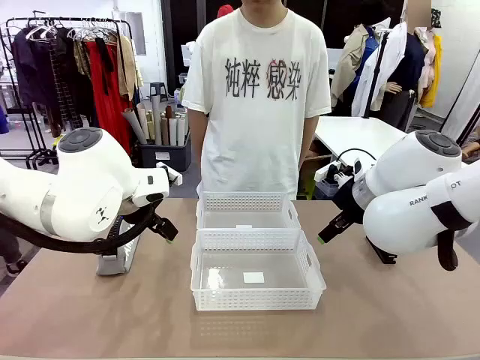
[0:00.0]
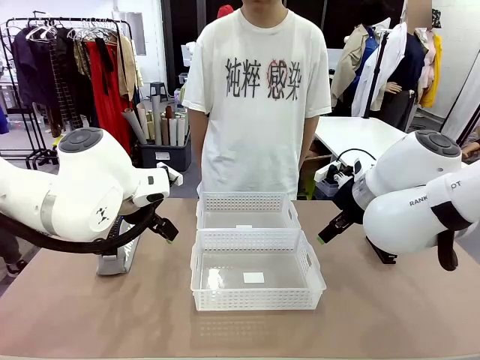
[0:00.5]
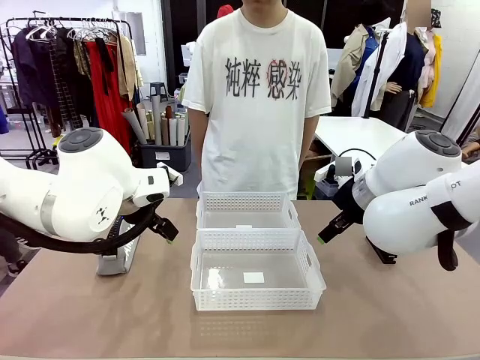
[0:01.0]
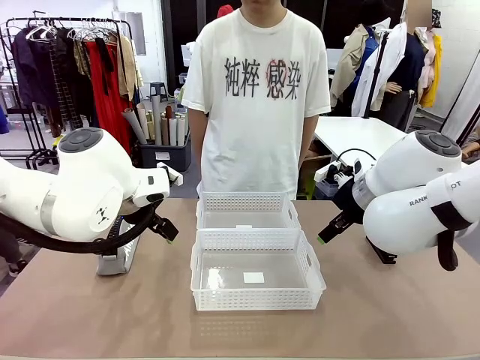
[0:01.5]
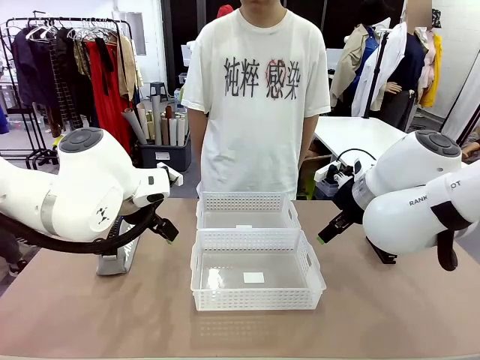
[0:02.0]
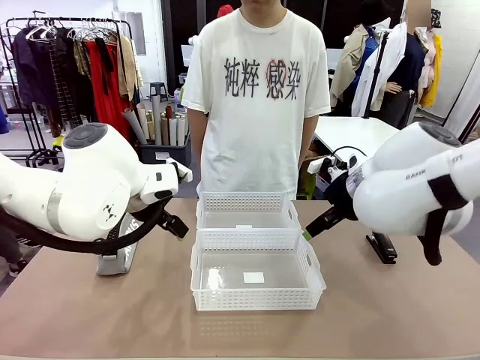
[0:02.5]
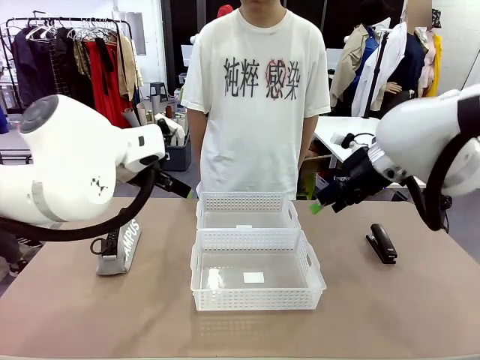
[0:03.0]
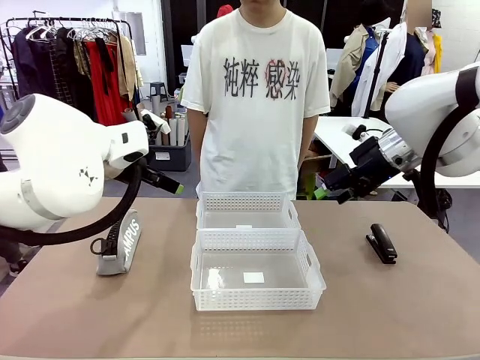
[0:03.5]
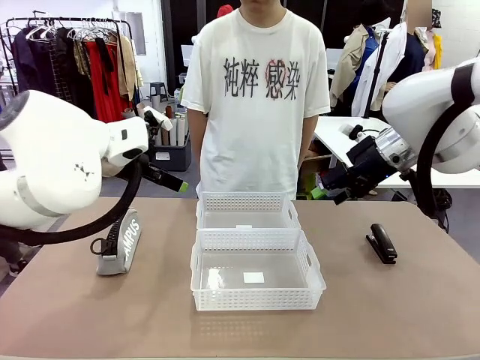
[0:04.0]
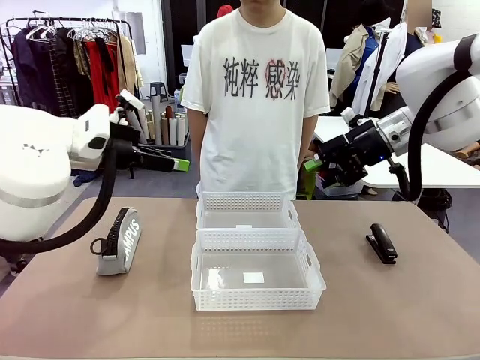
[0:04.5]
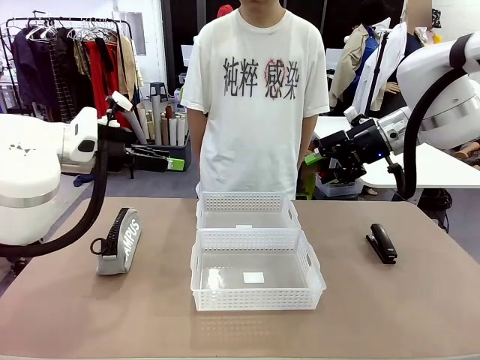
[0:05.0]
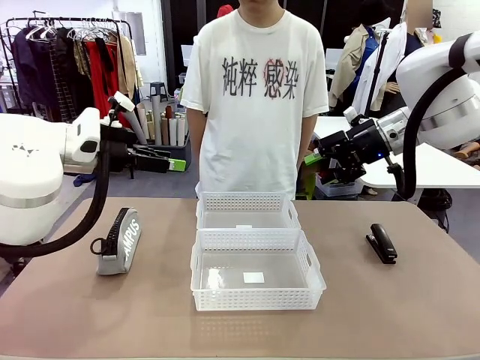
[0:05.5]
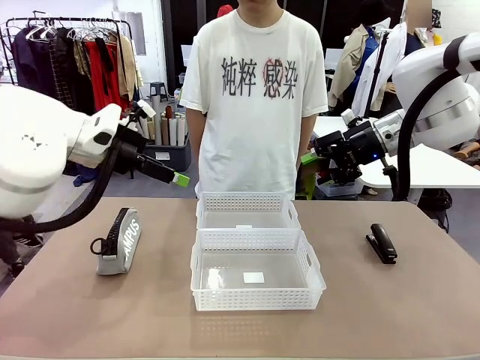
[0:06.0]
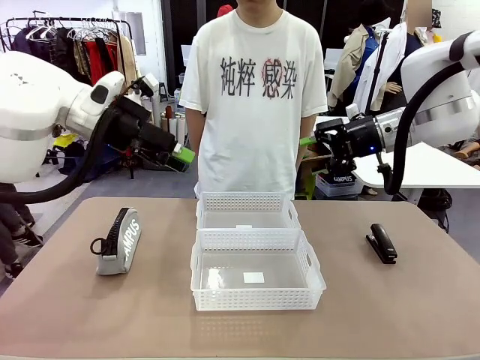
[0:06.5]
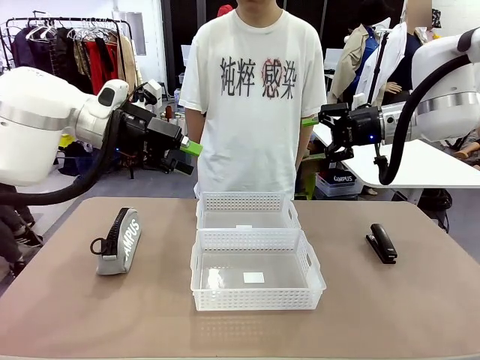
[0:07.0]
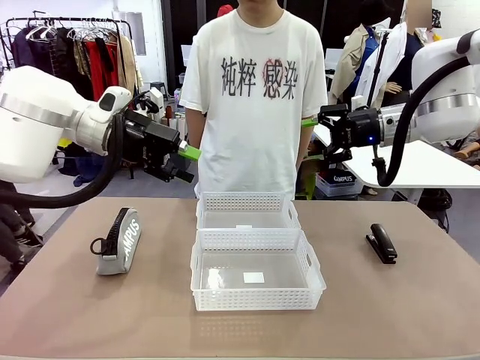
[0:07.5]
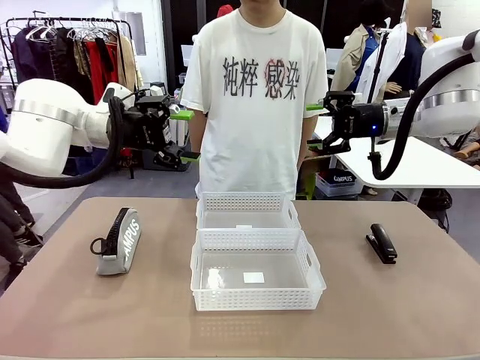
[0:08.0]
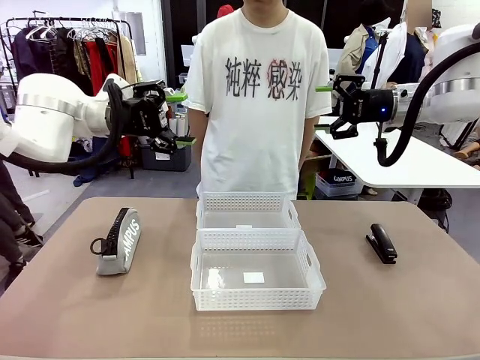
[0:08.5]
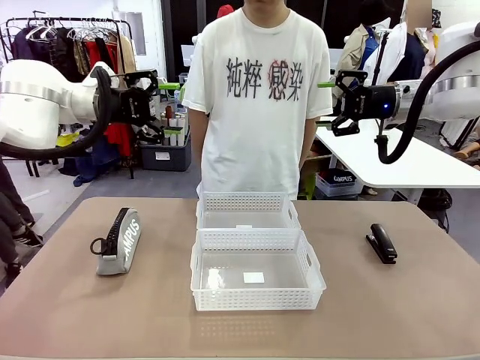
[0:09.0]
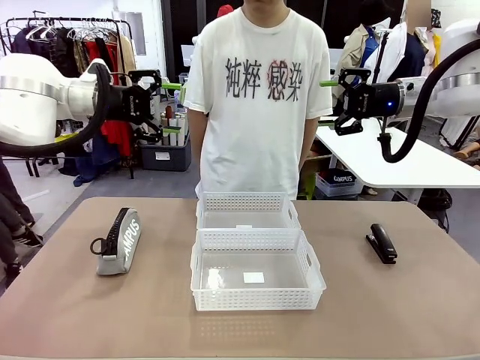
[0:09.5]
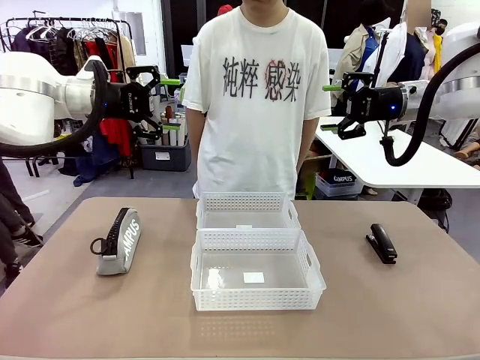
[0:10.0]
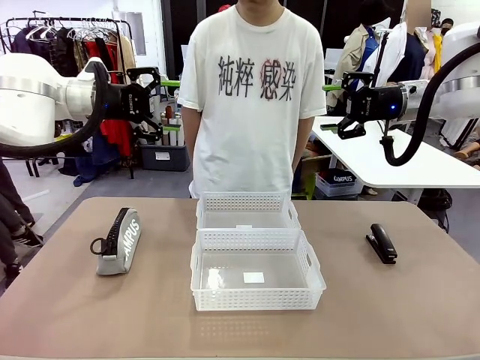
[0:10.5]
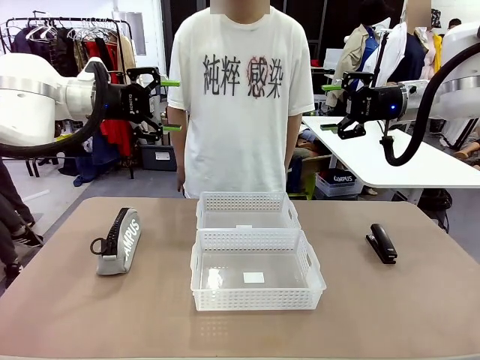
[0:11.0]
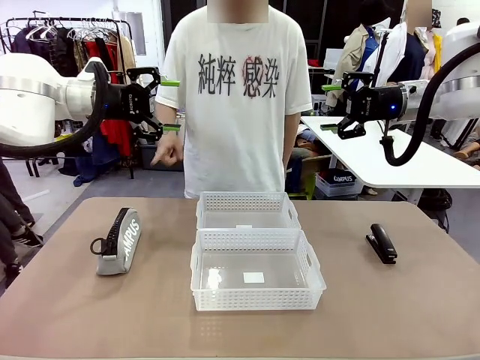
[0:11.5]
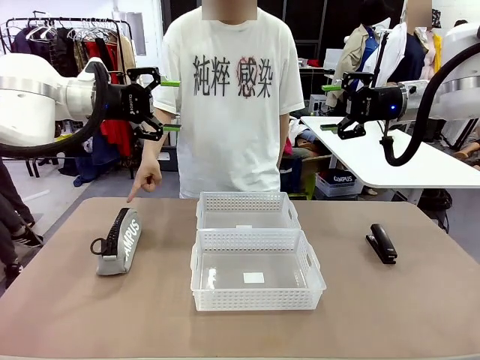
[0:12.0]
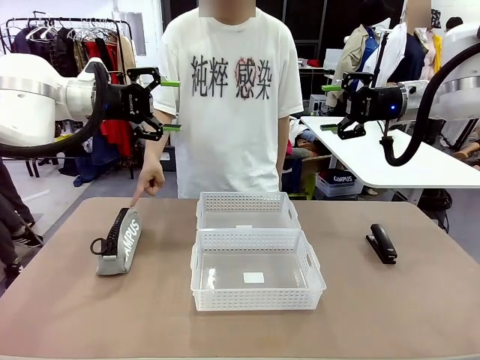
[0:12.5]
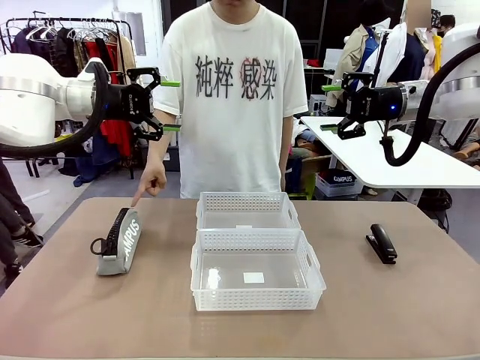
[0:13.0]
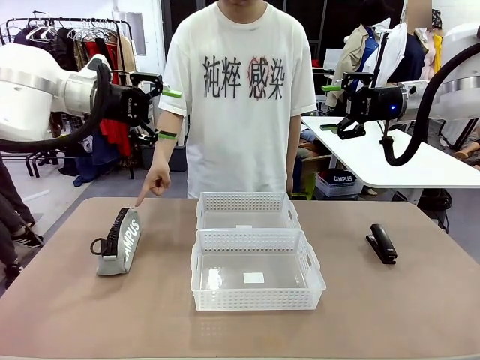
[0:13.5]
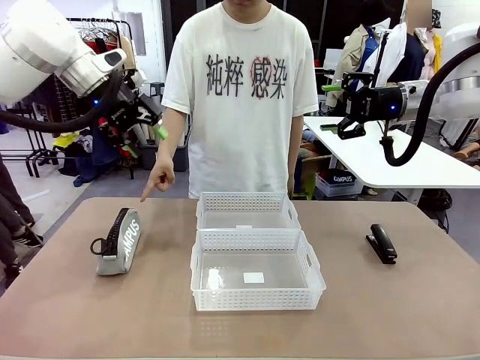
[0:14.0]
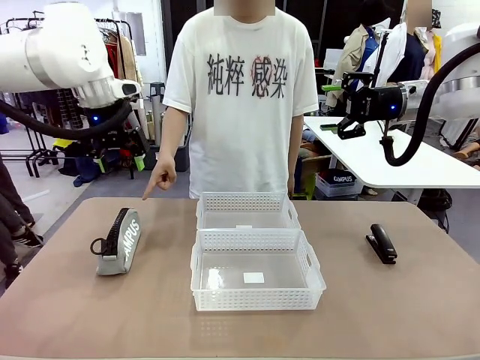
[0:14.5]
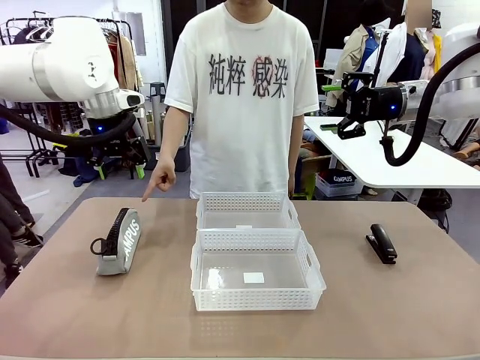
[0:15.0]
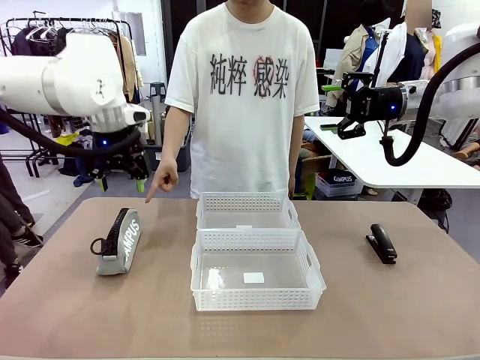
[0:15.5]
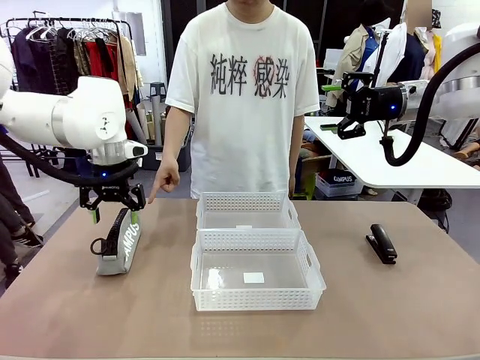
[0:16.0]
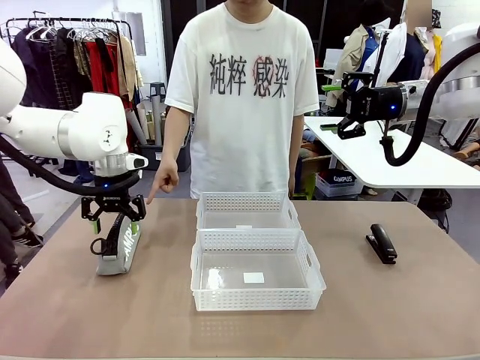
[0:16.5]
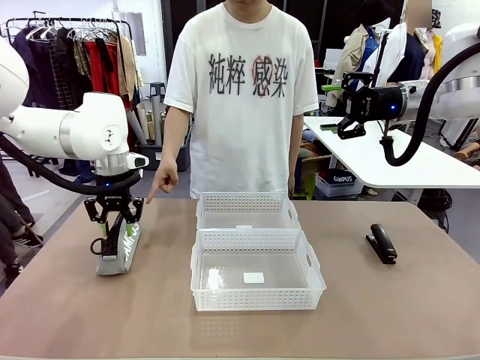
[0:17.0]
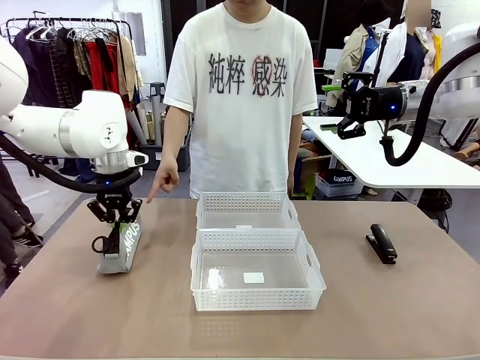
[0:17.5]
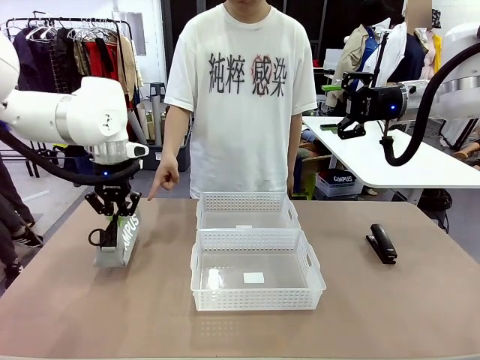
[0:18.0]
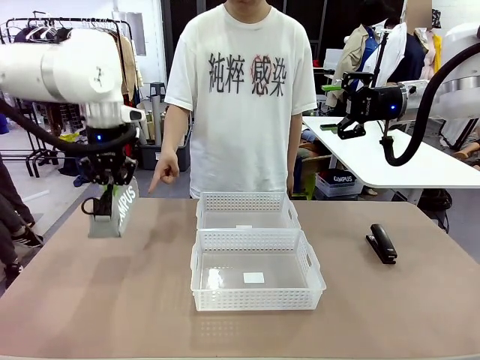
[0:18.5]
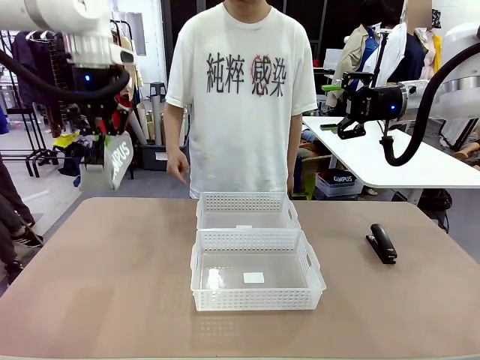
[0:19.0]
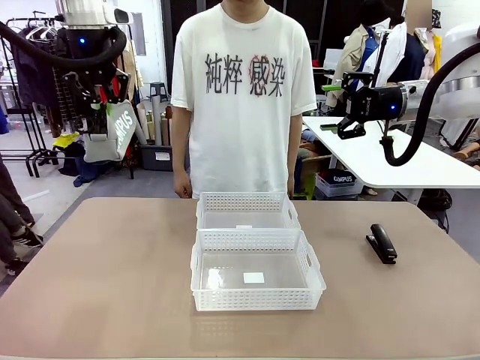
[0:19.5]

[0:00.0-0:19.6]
Task: Distribute items into two baskets.
Robot: Pick up the Pencil pouch that the person points to.
Person: Points to the pencil case. Points between the two organizing baskets and instructs the robot to move the pencil case.

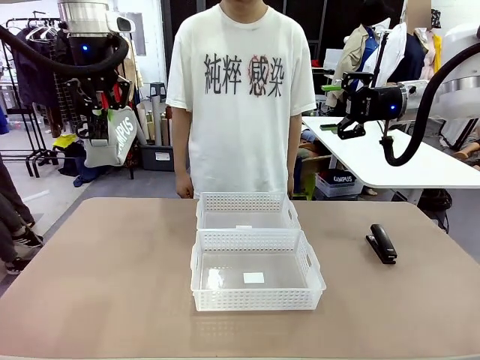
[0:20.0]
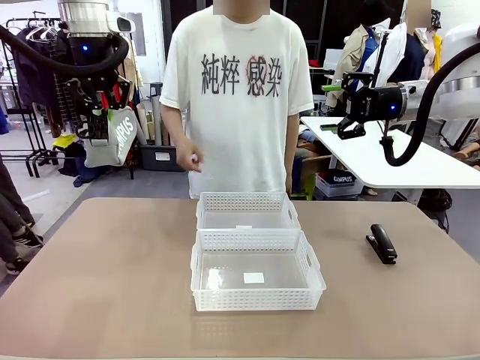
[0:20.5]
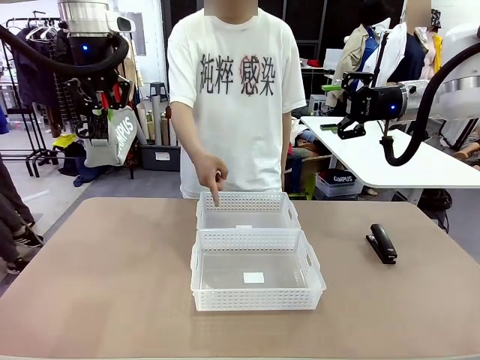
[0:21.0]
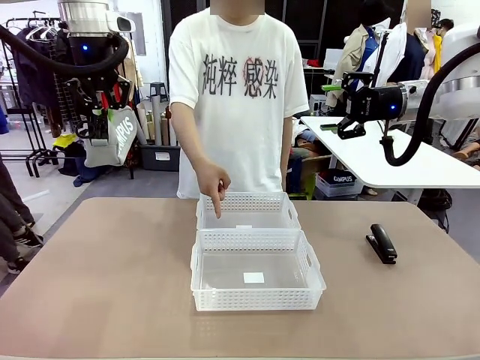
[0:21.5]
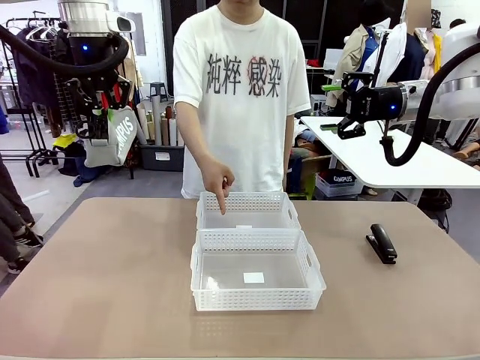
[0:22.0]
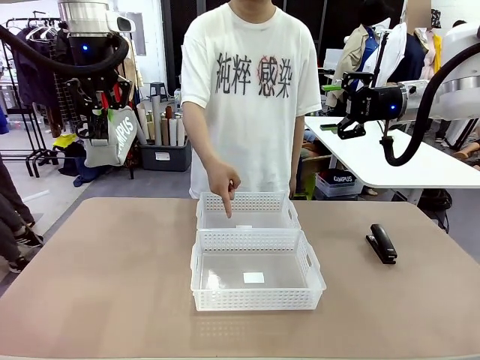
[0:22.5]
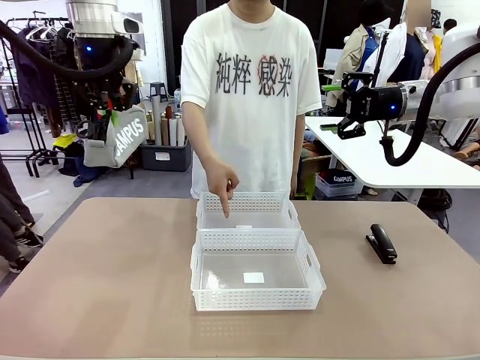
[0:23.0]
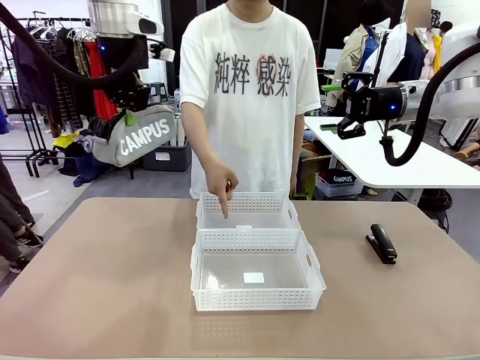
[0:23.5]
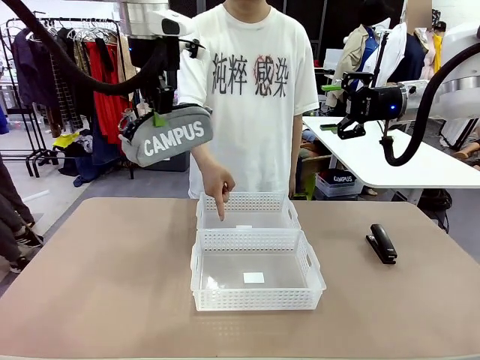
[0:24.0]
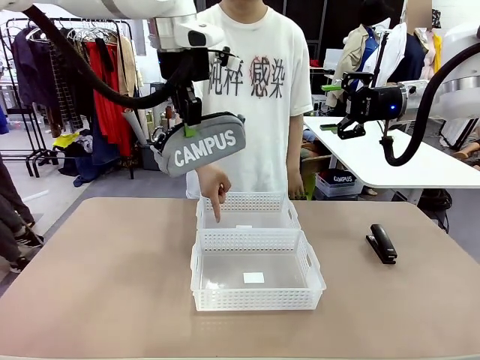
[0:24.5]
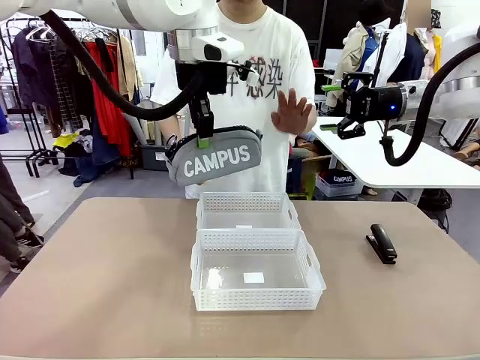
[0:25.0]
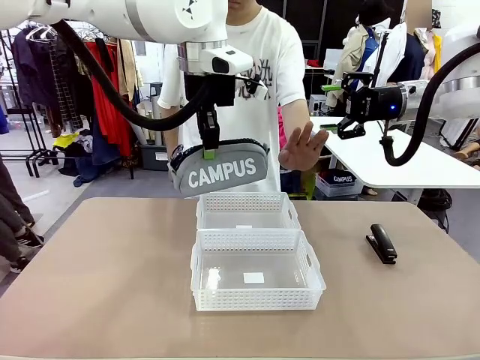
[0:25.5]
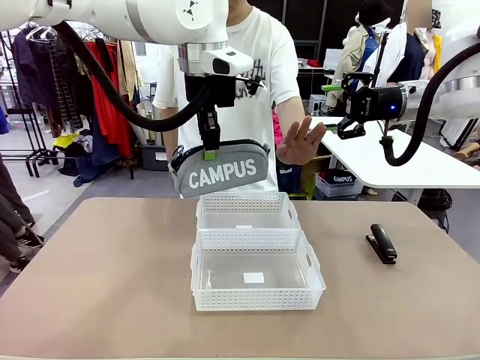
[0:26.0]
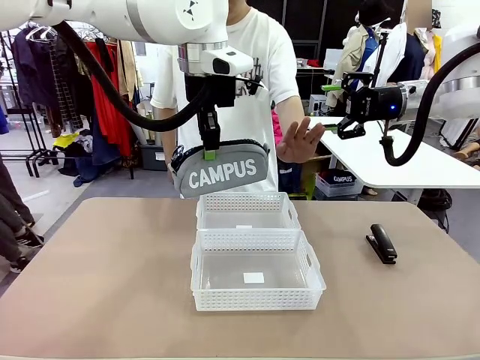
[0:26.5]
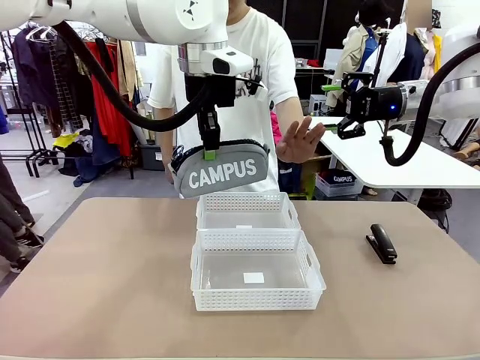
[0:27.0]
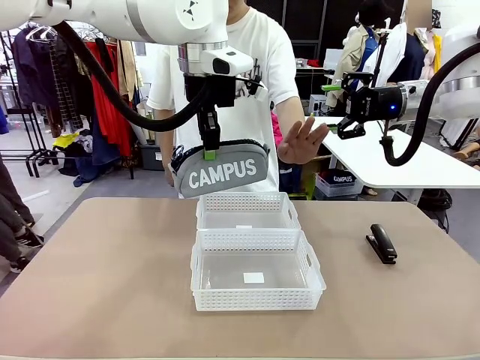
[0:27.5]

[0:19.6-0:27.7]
Robot: Move the picked Pencil pouch towards the Organizing basket indicated by the person, stopping as directed.
Person: Sends a stop gesture before the robot places the pencil case into the basket.
